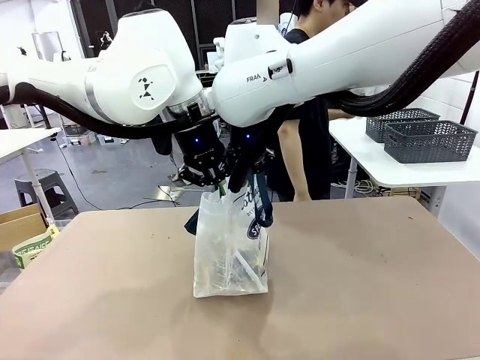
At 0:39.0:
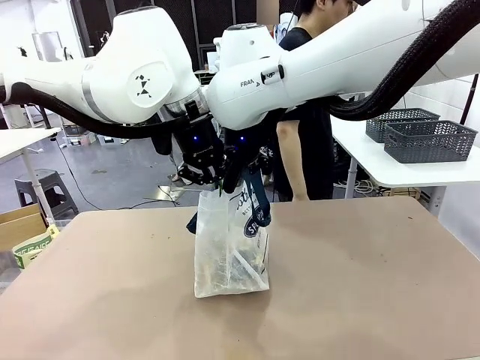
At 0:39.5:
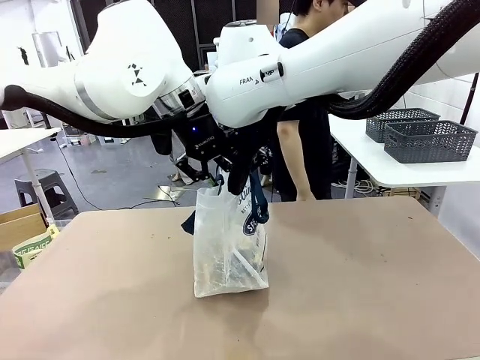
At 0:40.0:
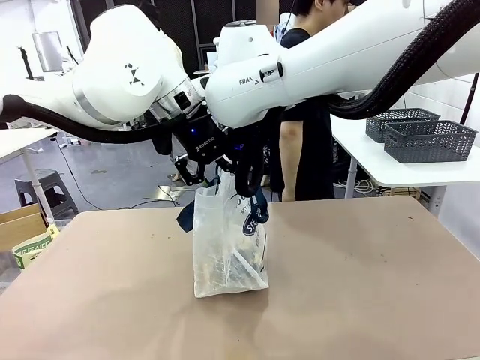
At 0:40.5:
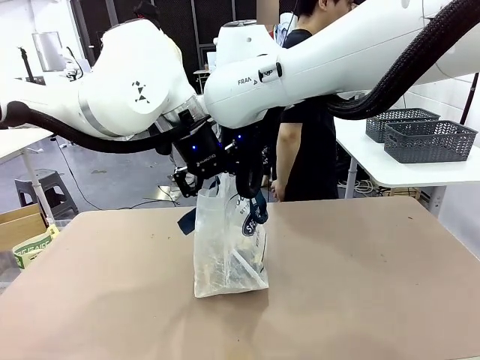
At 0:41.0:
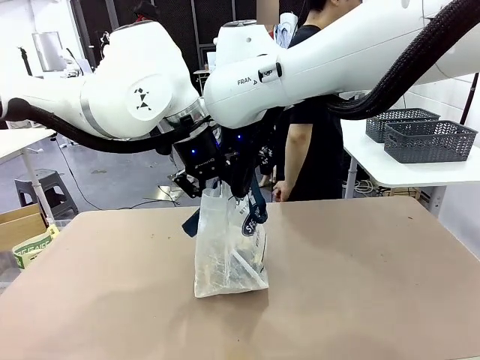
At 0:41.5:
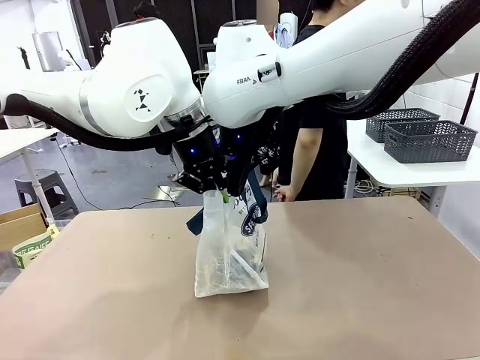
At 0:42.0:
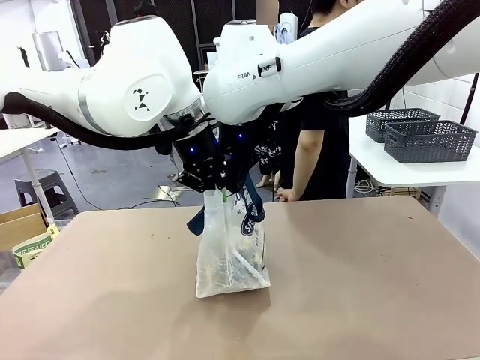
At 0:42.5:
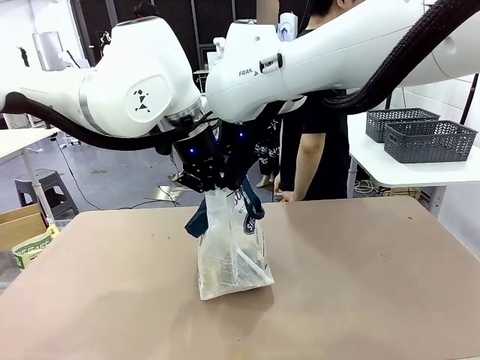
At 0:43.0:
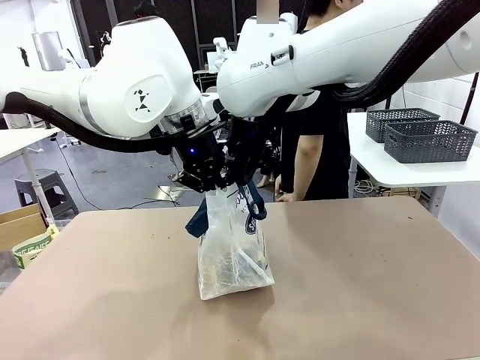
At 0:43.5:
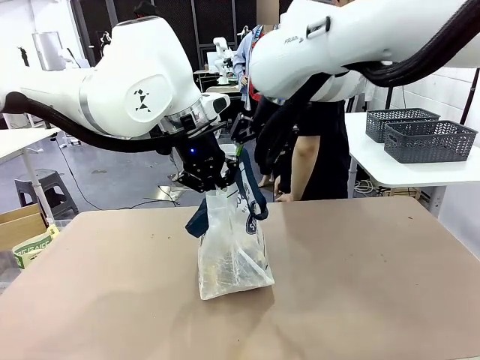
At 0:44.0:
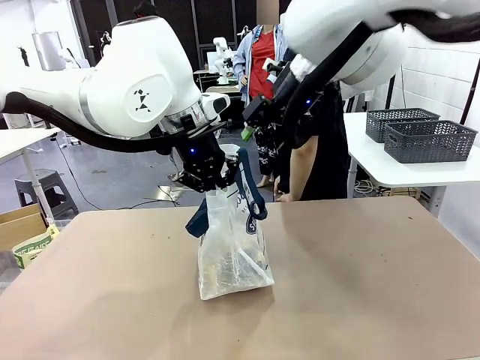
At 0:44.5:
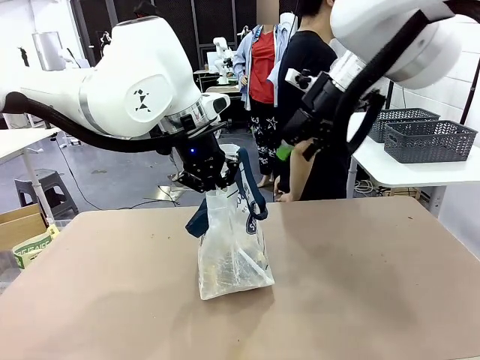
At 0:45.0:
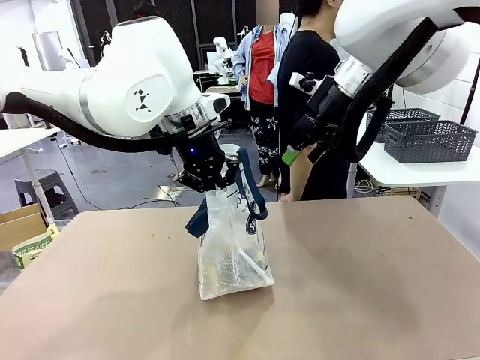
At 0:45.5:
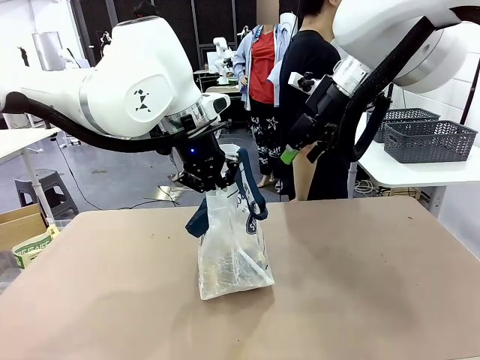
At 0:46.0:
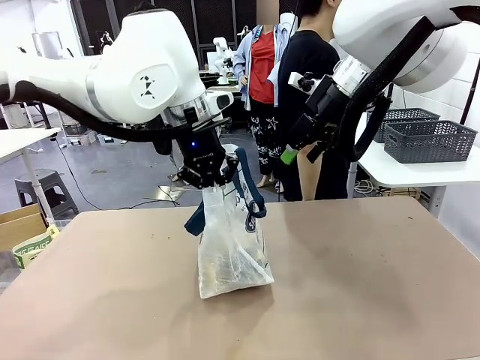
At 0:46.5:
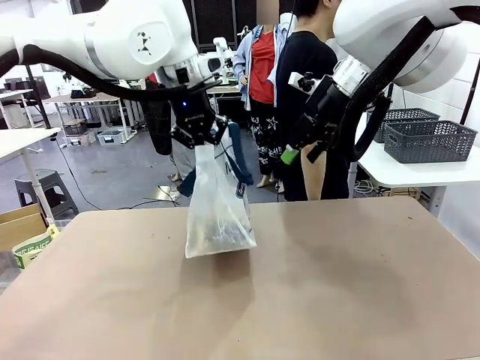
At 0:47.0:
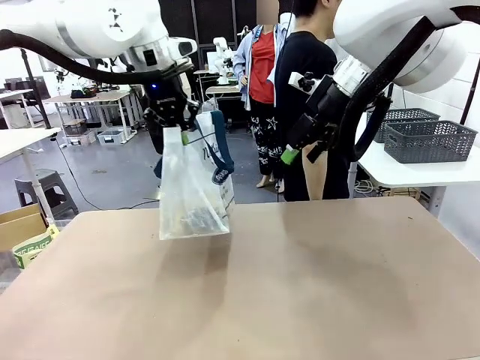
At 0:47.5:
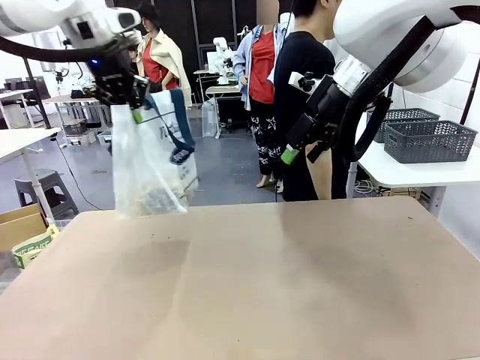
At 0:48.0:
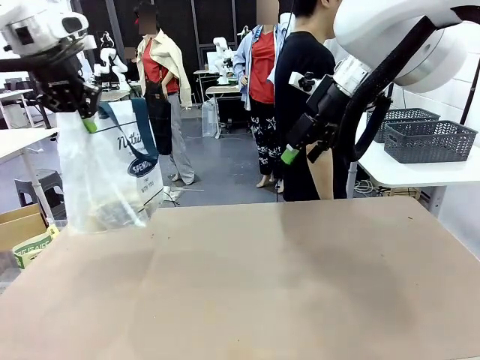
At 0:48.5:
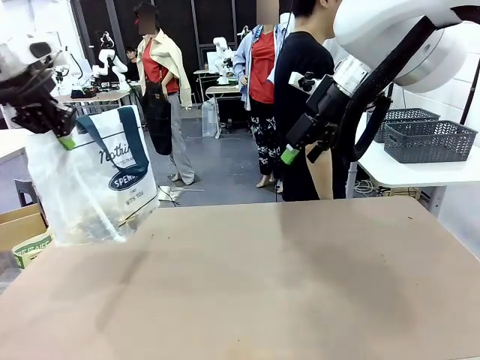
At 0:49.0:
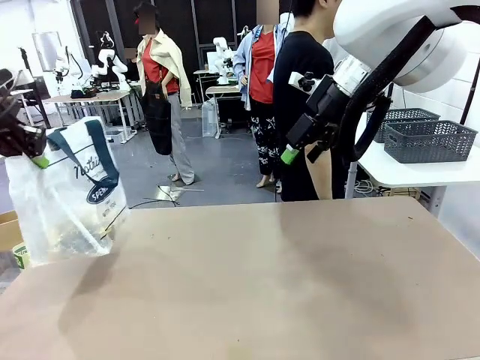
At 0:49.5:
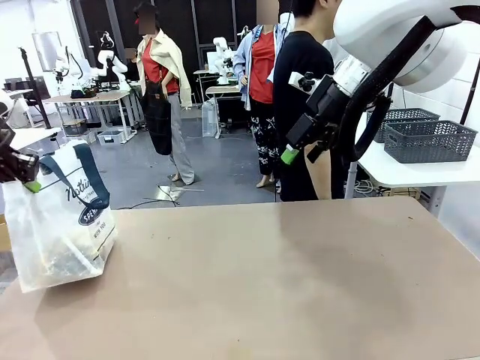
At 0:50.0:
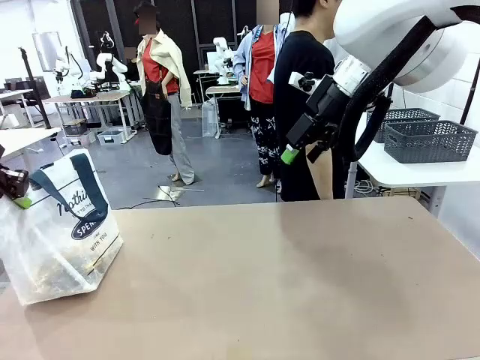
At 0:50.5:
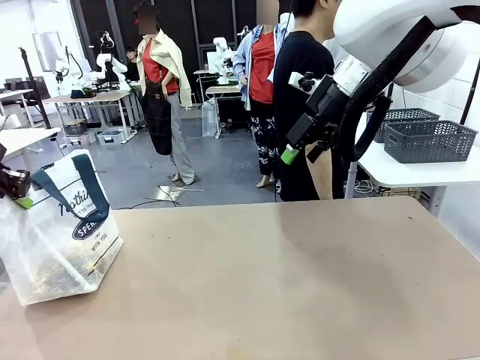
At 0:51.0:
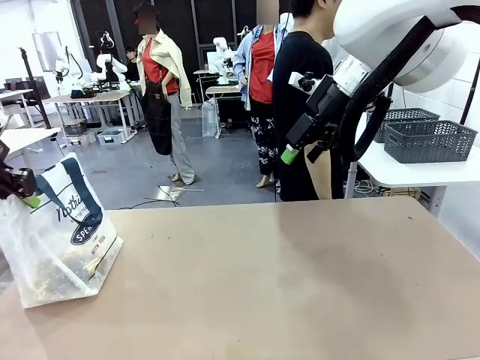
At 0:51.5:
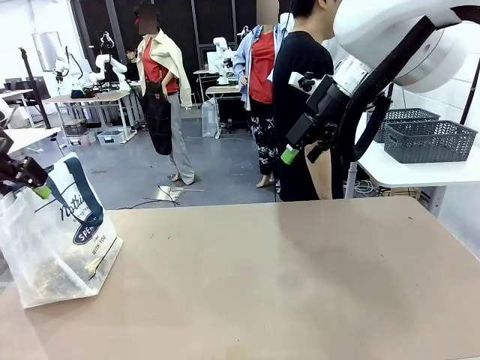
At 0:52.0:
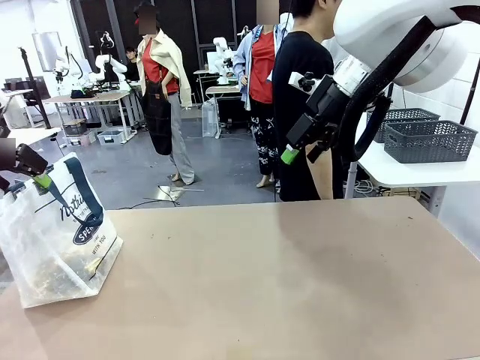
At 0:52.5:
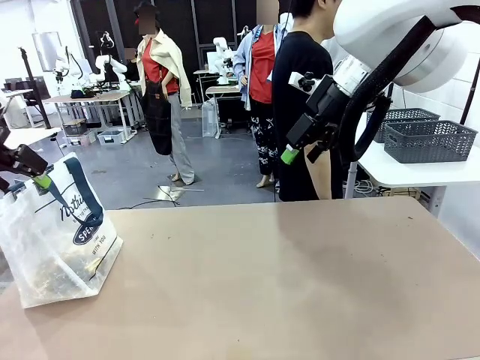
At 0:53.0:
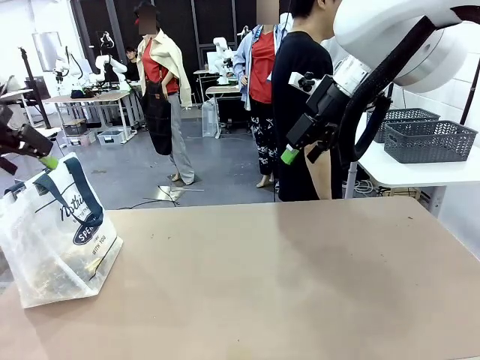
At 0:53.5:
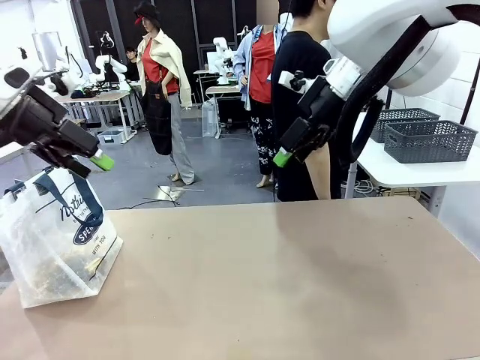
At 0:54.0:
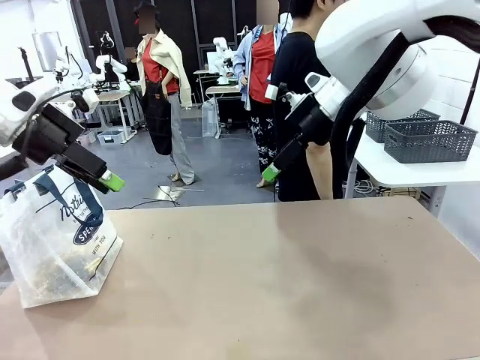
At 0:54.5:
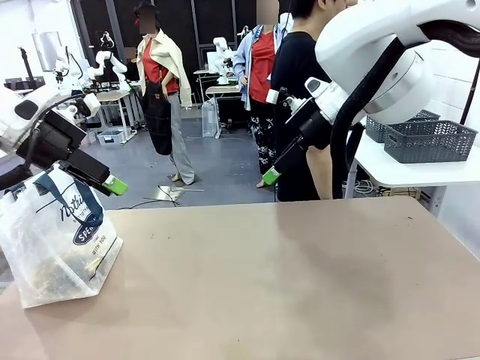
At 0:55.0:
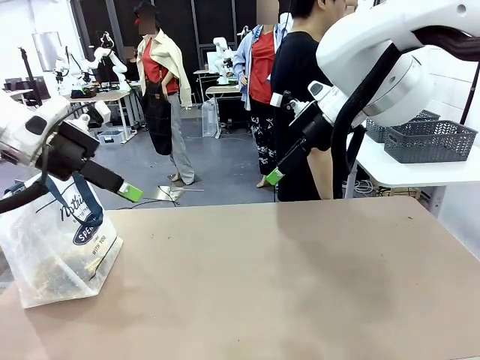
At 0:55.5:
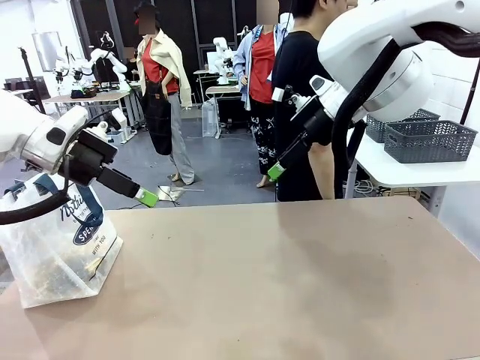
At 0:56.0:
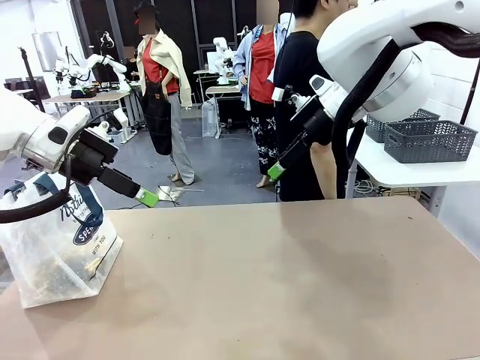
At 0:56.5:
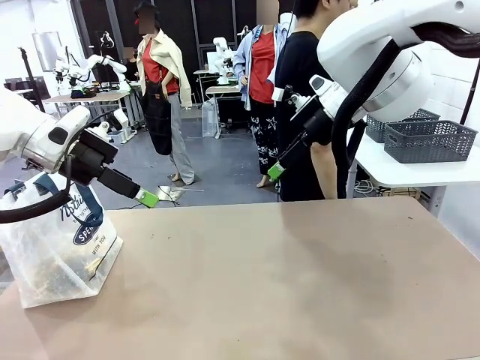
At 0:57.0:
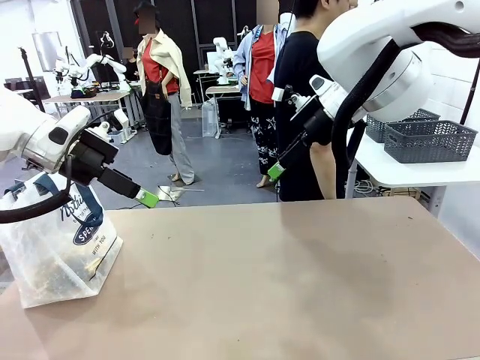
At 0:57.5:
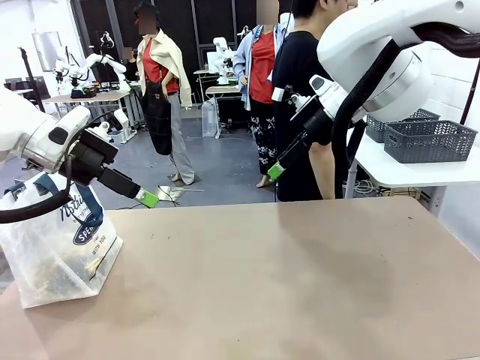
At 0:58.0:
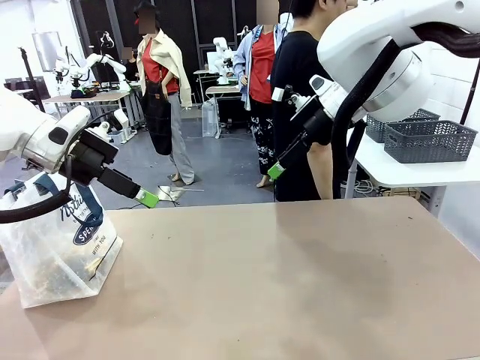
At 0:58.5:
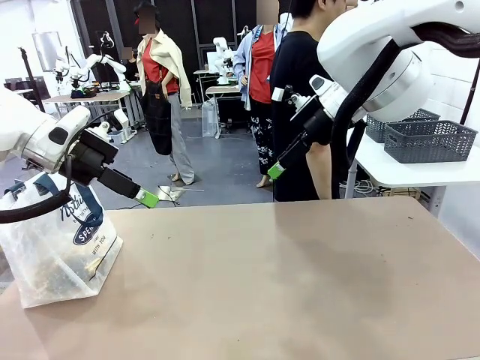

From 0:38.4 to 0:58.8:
Task: Transfer purchased items from the store into the shopping bag.
Robot: Move the Reusable shopping bag to the right side of the table.
Person: Move the basket on the left to the middle of the person's table.

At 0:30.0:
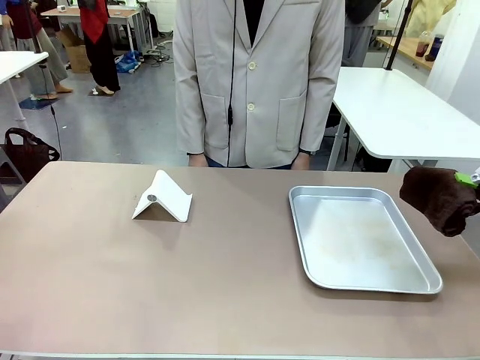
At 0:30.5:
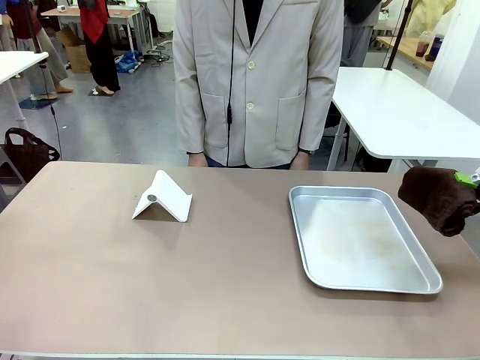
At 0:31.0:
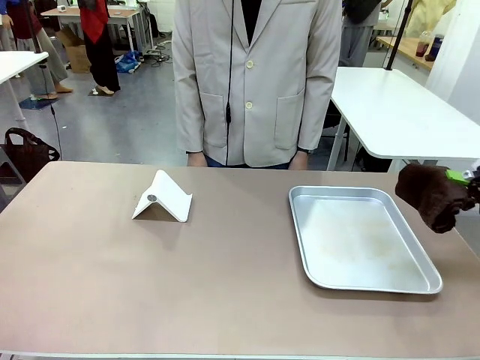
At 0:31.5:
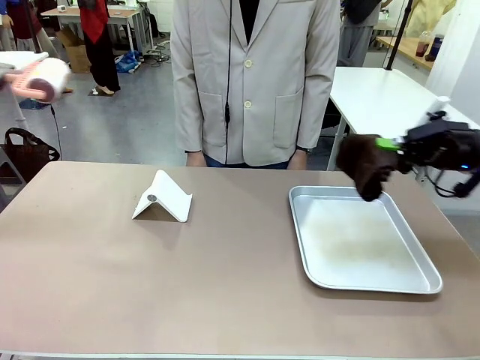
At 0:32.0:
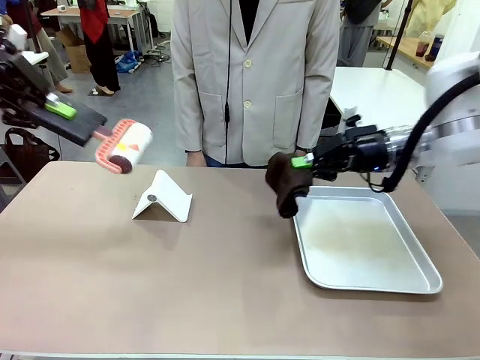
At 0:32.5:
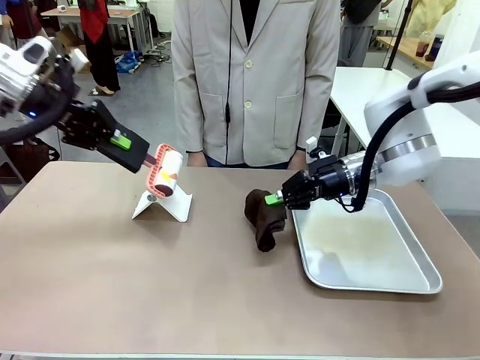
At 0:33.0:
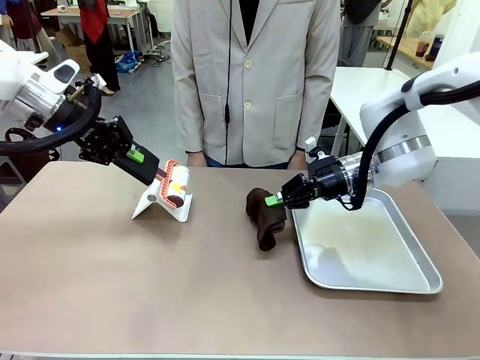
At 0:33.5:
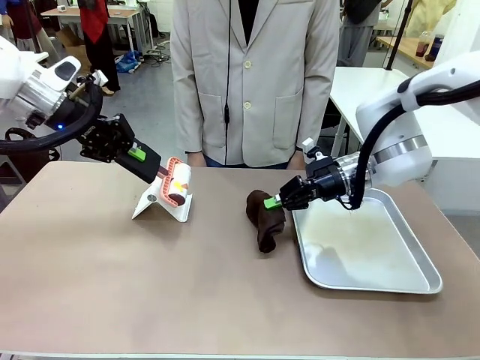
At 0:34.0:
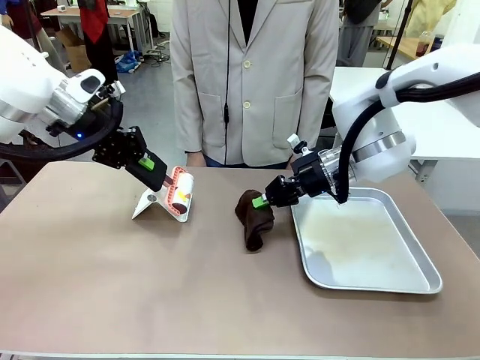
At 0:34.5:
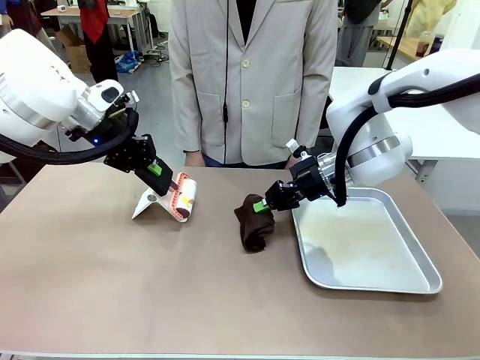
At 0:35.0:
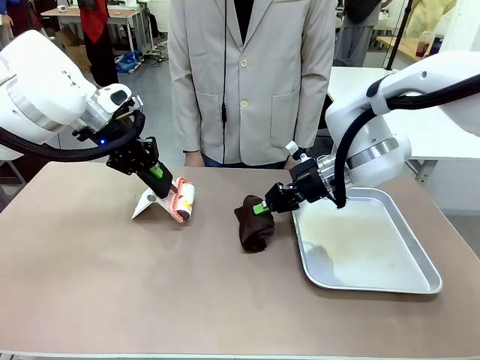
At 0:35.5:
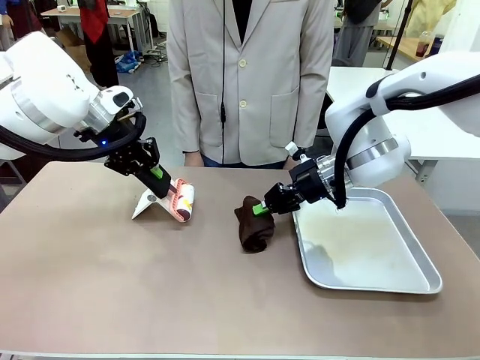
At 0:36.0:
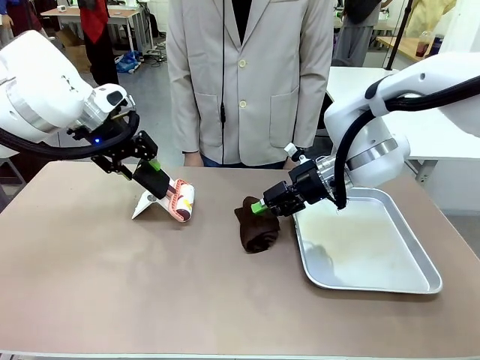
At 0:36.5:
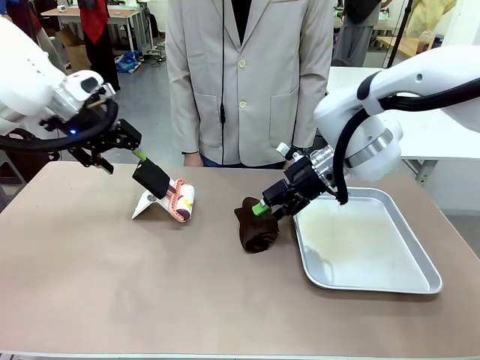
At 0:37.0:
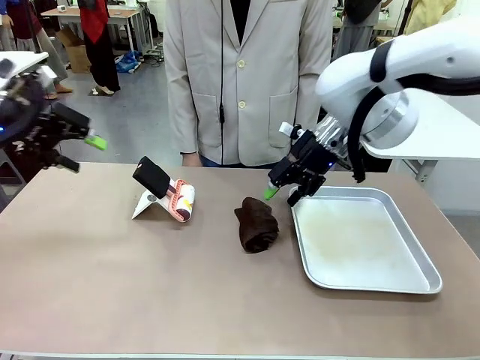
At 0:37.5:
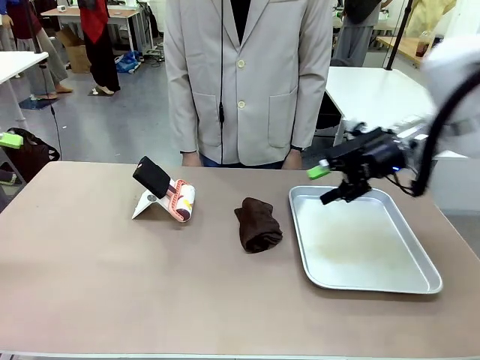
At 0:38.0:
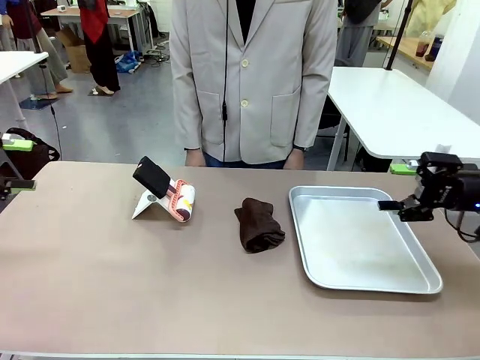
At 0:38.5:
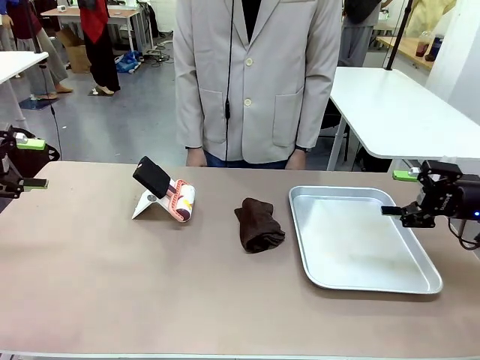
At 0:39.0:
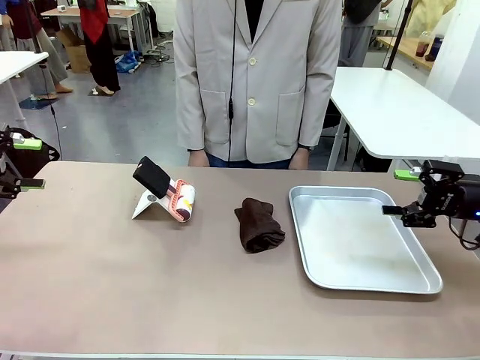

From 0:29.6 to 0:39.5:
Task: Clean the surface of the table.
Robot: Return the Lint Roller and towel to their original positions.
